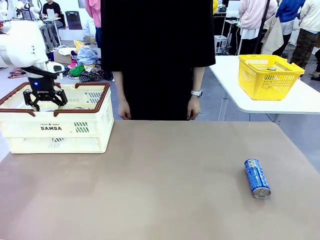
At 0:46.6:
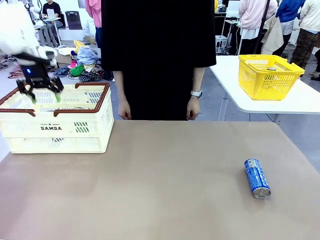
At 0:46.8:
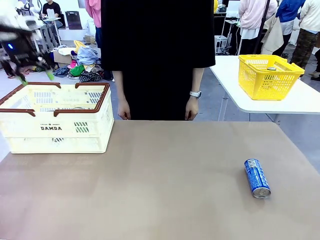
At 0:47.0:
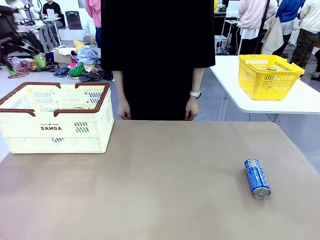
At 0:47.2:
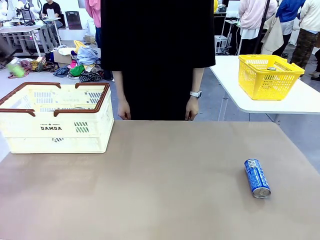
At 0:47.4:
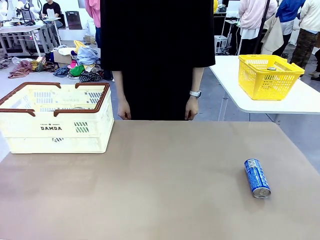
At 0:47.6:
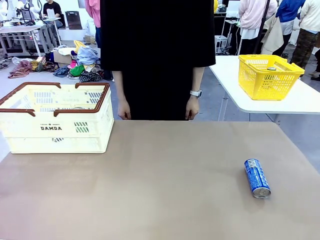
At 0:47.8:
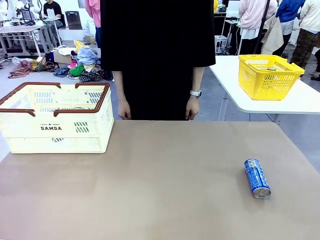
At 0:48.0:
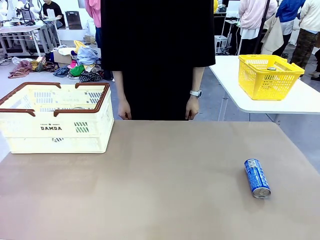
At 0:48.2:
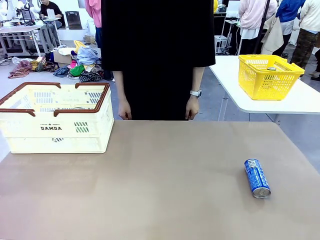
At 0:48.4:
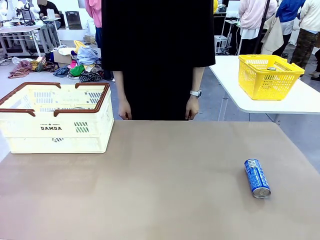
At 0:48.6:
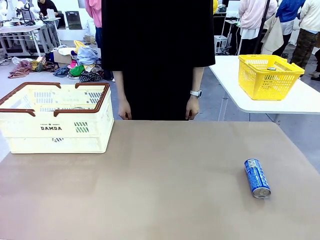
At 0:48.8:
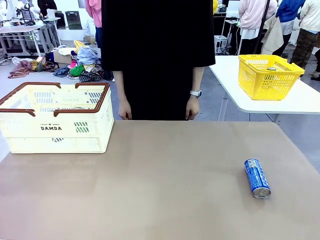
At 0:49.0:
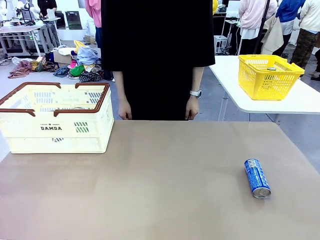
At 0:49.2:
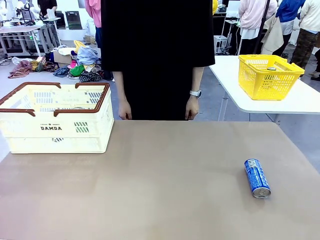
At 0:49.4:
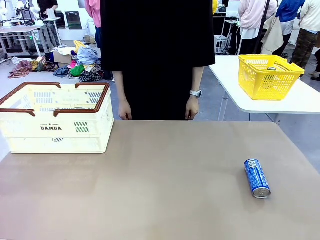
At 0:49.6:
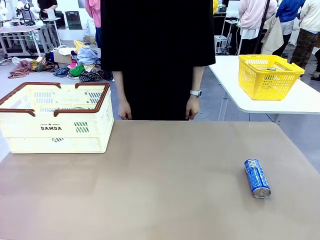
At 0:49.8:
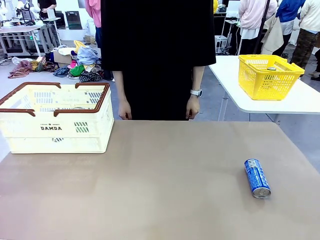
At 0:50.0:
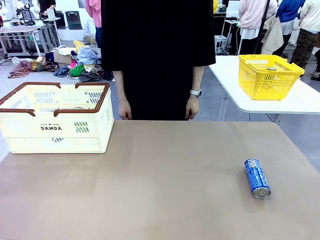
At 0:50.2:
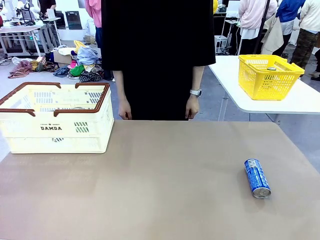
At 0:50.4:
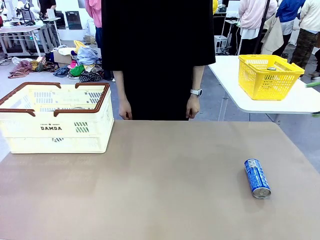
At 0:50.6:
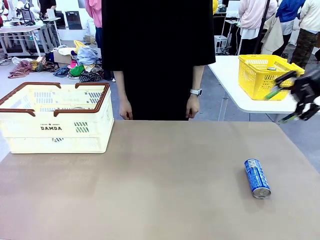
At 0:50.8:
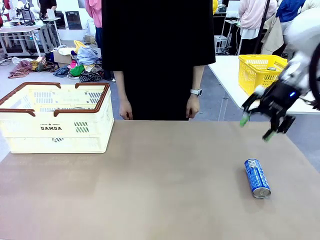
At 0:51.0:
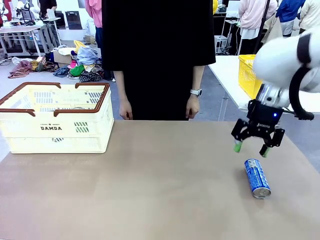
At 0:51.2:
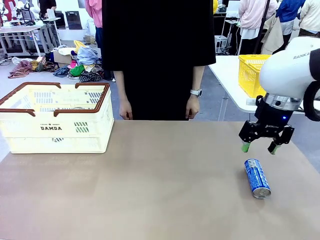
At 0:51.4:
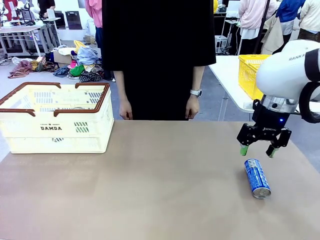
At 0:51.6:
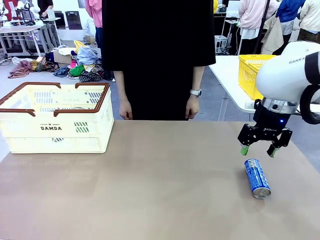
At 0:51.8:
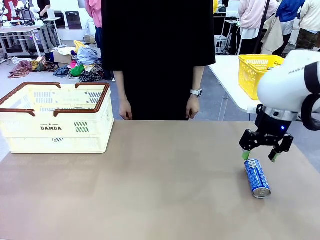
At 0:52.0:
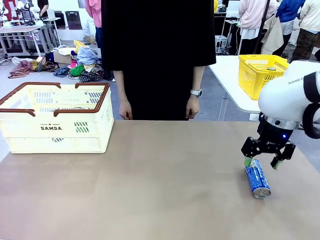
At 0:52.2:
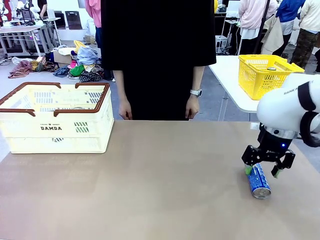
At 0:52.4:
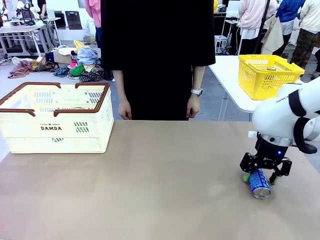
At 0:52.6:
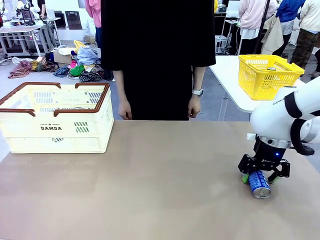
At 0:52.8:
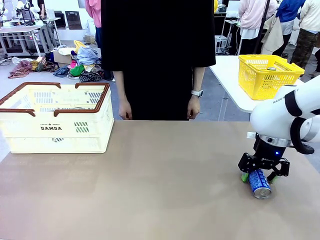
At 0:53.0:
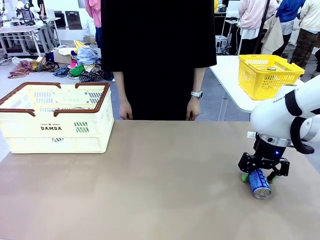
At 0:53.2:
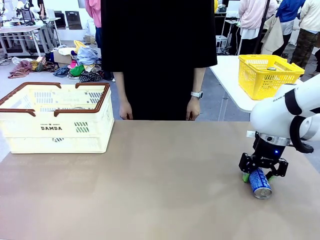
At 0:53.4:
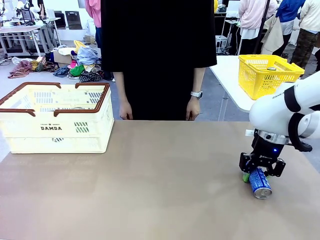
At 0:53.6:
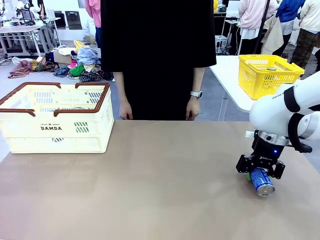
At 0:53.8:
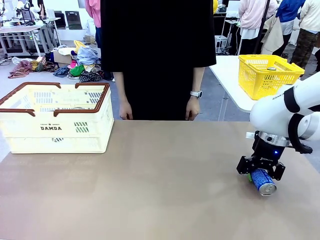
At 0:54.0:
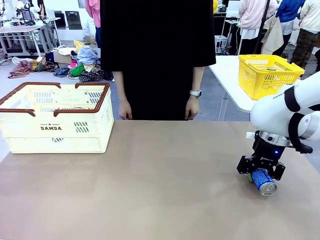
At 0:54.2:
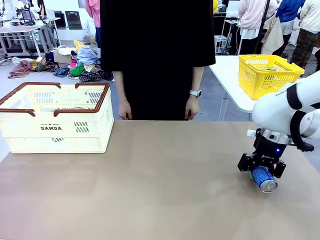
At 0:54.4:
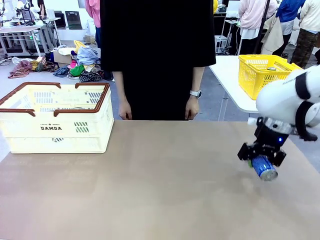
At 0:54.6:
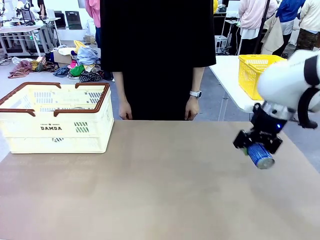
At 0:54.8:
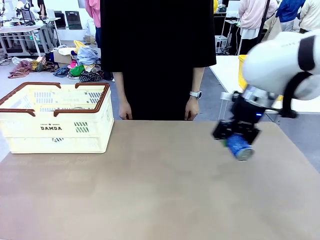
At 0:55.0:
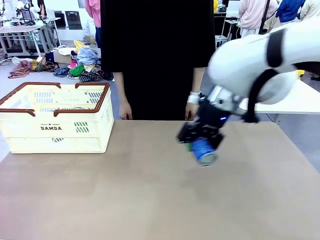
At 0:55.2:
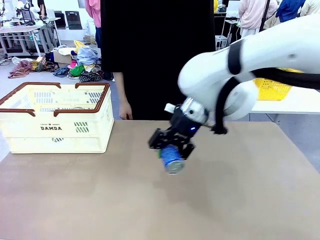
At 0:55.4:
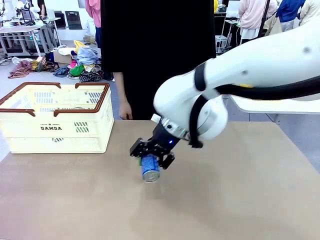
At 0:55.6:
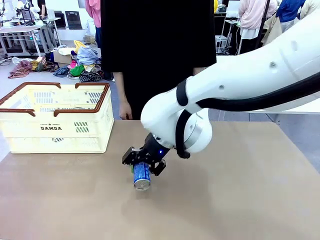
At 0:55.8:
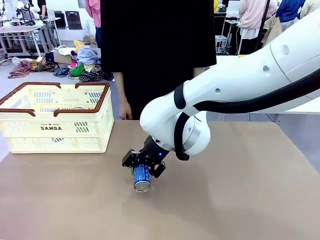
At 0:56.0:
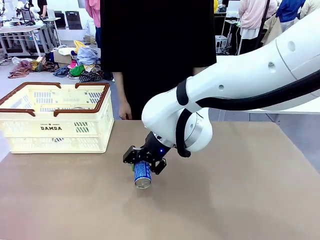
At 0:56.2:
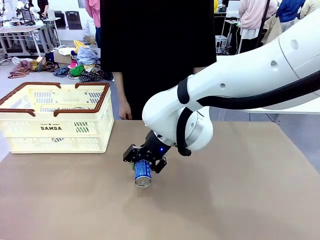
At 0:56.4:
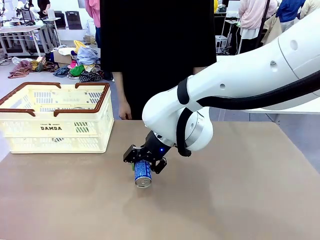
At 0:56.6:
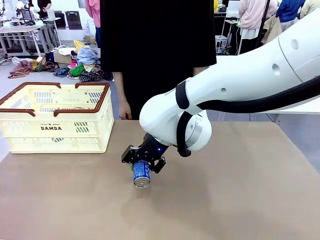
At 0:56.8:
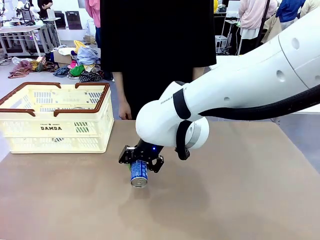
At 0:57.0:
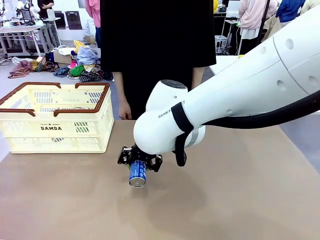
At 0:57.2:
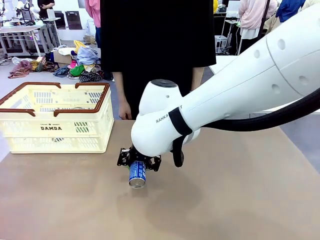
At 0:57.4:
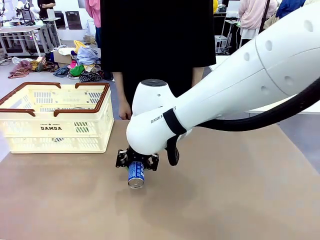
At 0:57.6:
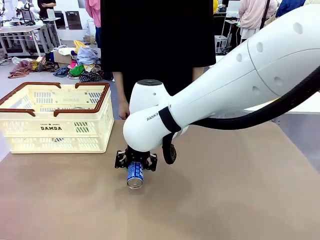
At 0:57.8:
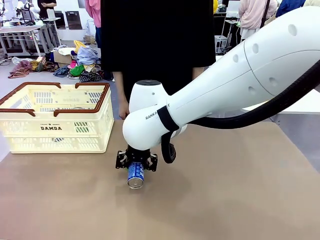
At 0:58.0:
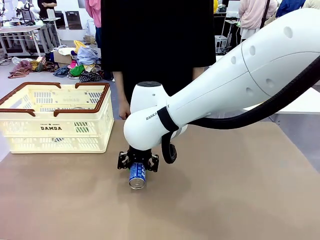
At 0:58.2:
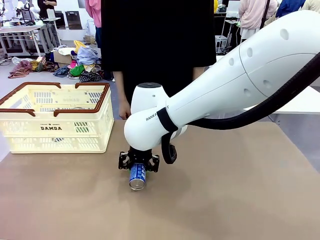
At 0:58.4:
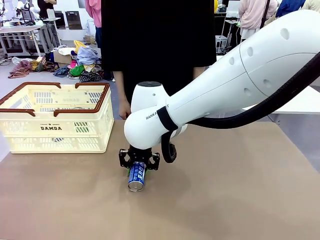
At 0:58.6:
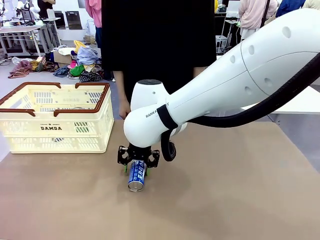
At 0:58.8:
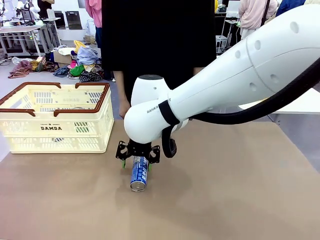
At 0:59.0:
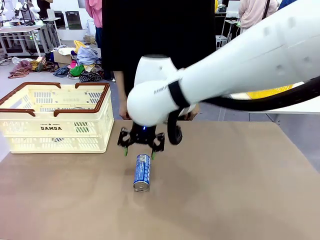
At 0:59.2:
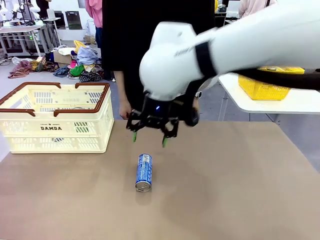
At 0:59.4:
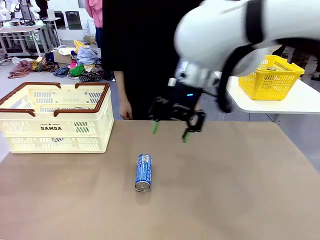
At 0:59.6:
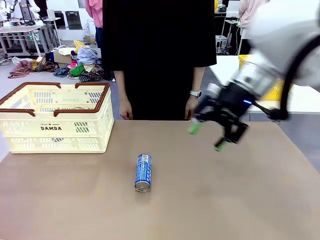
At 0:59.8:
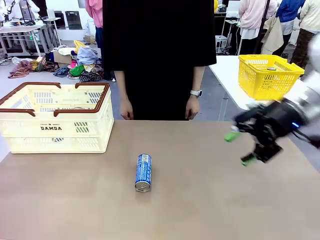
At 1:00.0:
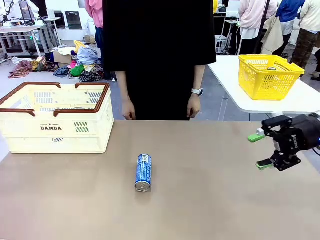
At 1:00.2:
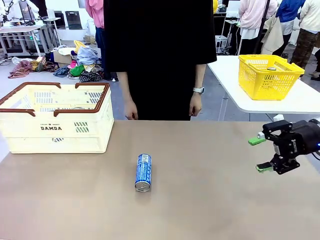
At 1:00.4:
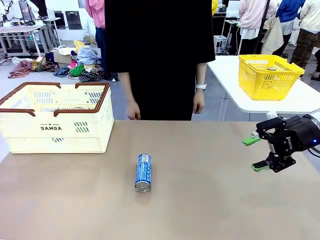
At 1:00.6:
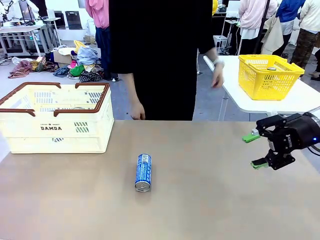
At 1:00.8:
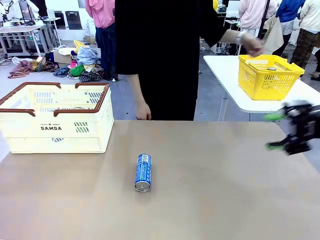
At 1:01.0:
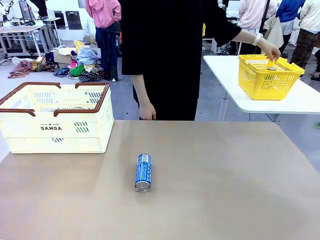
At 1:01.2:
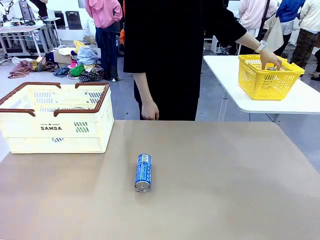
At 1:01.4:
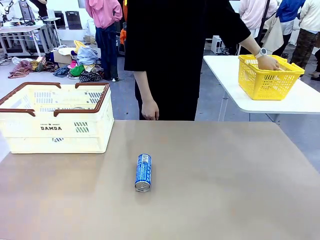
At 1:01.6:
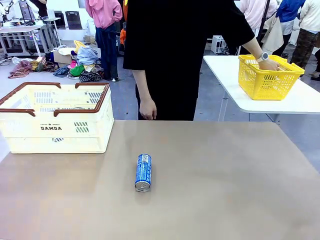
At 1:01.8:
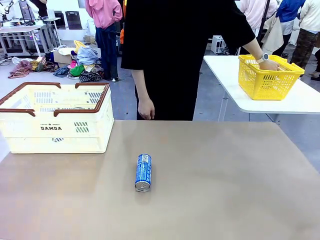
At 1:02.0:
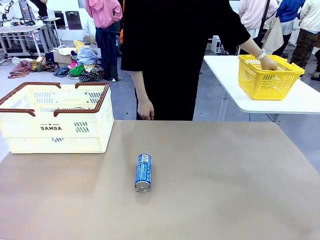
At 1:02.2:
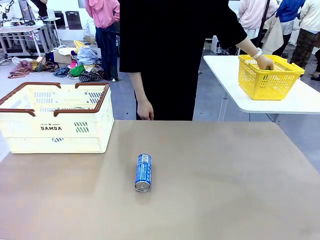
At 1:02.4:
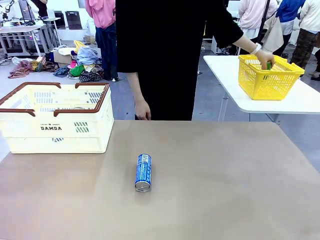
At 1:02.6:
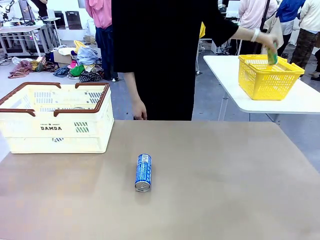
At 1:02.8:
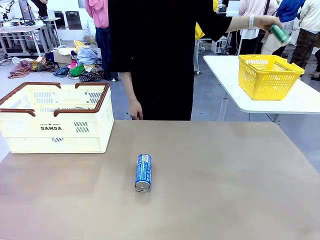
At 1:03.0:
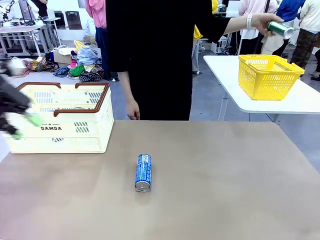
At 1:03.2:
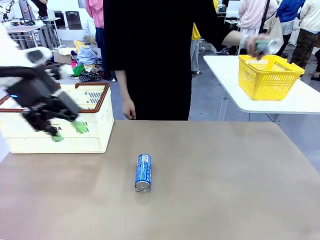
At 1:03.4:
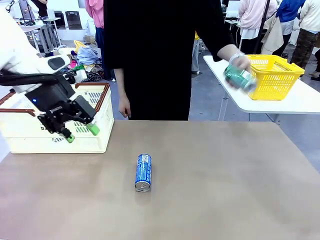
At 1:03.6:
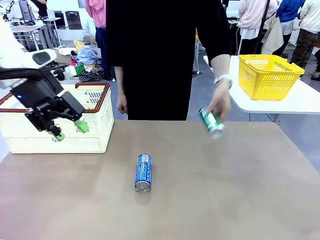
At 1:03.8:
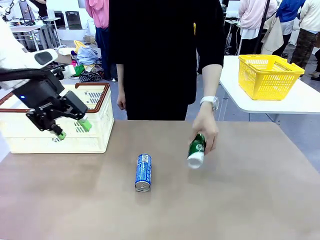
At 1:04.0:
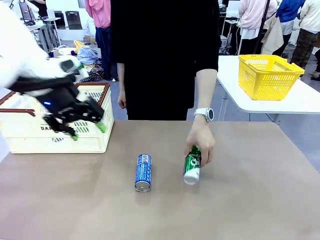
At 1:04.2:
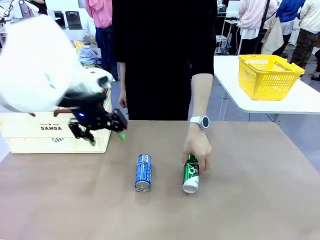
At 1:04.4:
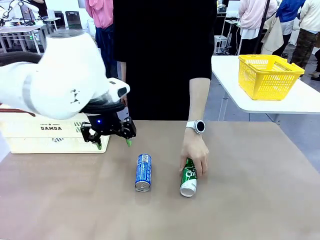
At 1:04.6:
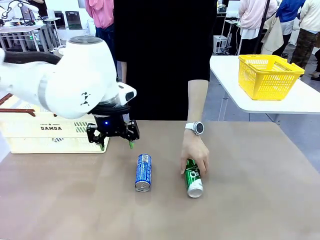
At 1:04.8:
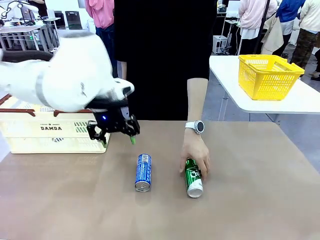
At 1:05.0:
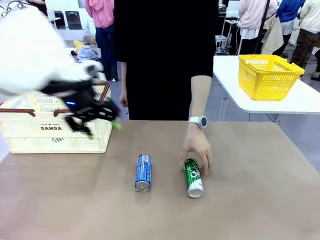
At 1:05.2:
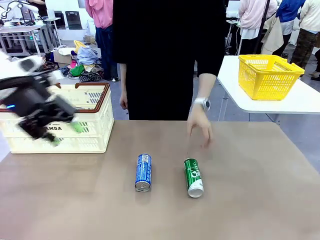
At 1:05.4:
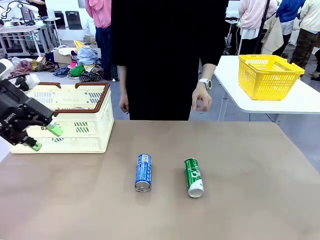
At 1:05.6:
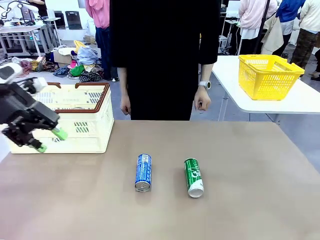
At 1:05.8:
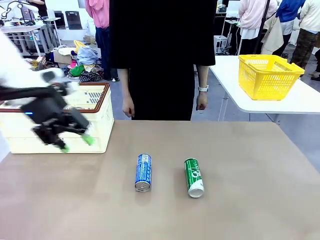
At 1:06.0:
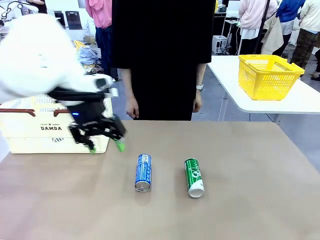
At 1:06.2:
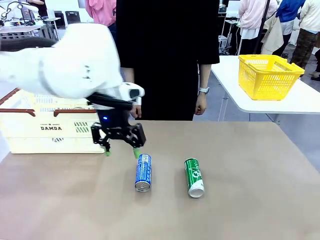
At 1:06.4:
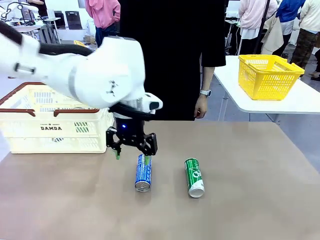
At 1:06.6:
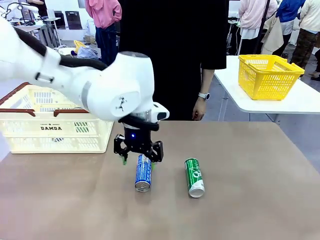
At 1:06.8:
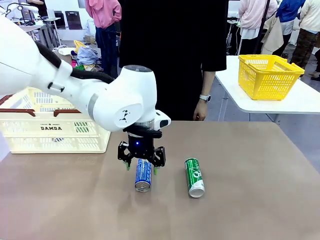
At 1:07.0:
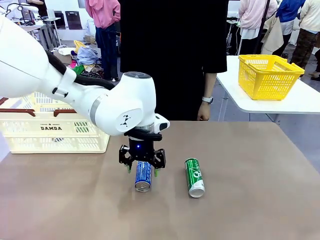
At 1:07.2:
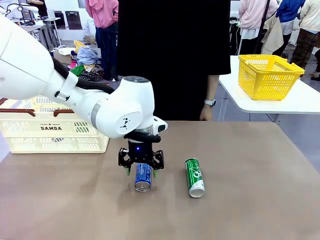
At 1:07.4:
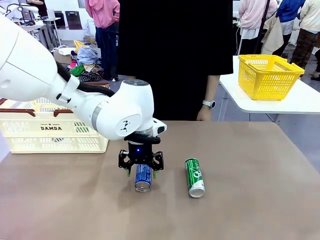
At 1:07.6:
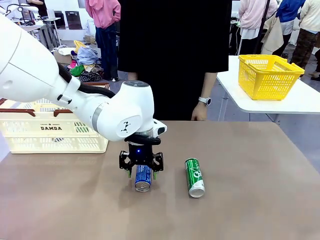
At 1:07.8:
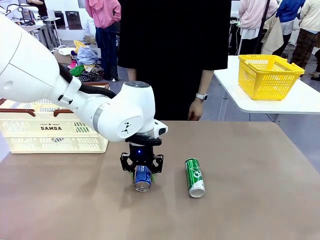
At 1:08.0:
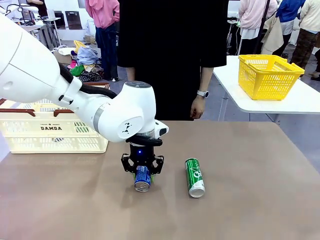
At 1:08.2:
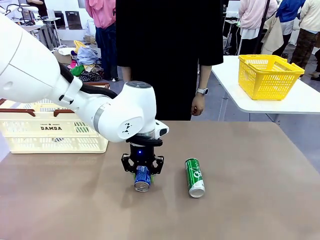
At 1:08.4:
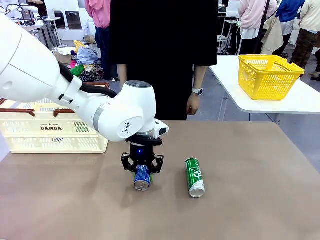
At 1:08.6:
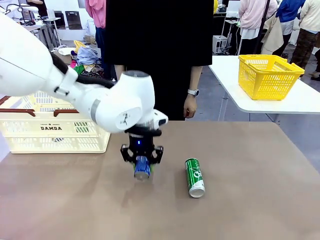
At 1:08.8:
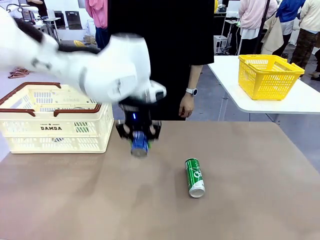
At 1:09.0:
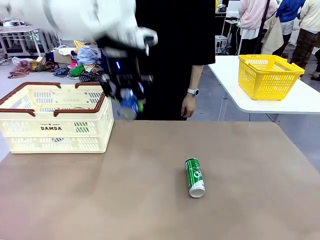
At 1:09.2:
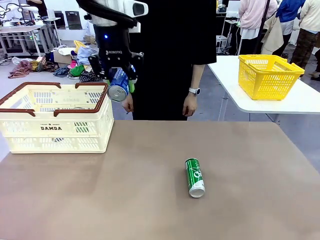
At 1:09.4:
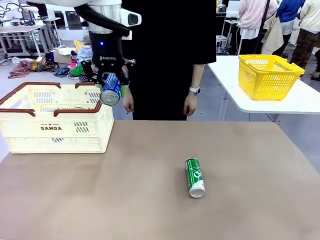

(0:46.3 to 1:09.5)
Task: Place the drinks into the Shopping basket.
Robot: Pick up one drink and place it into the Shopping basket.
